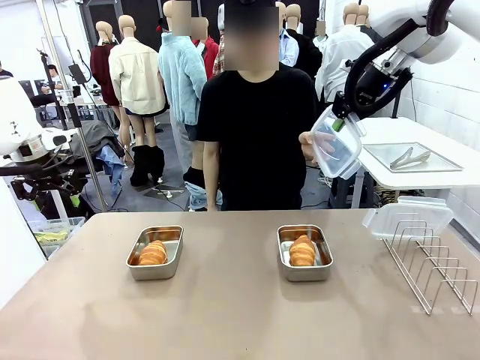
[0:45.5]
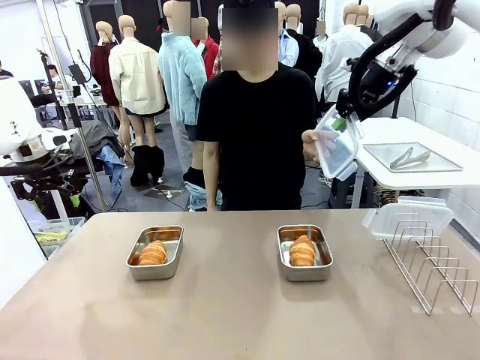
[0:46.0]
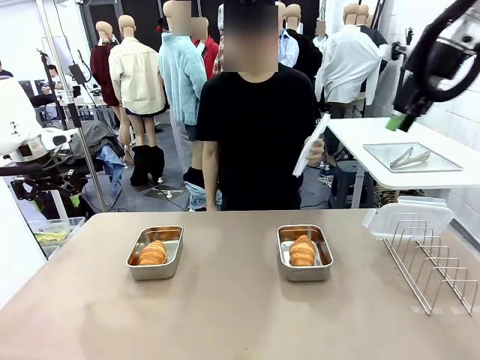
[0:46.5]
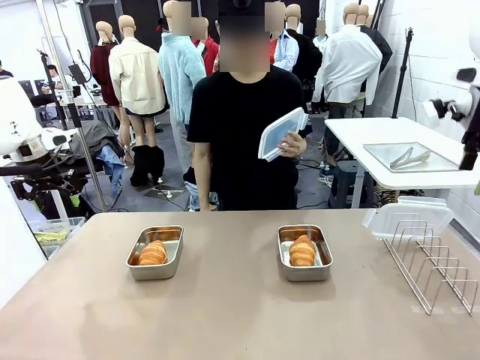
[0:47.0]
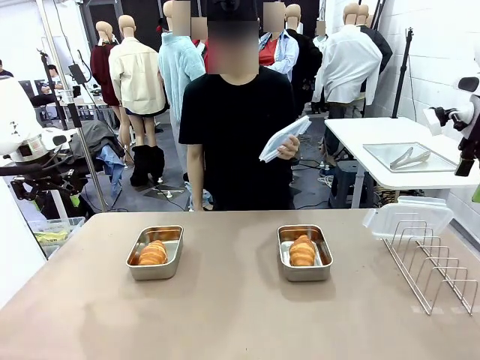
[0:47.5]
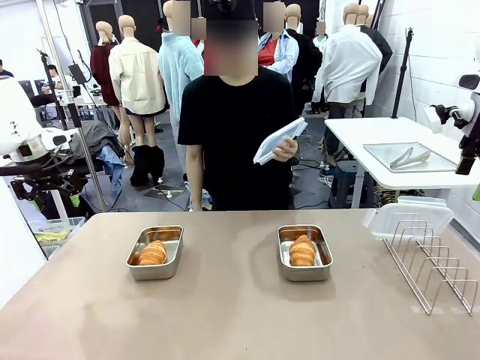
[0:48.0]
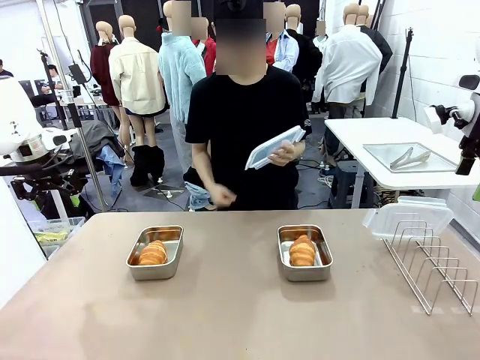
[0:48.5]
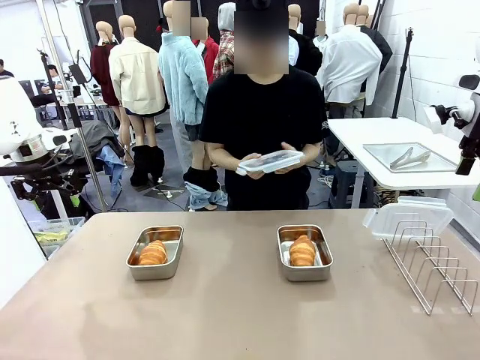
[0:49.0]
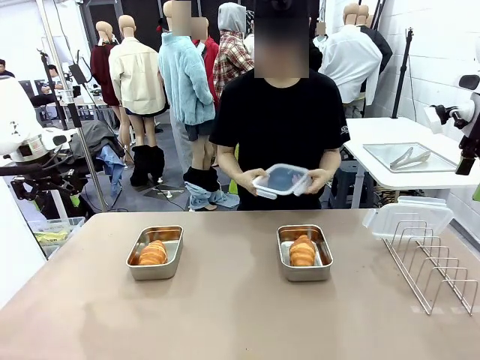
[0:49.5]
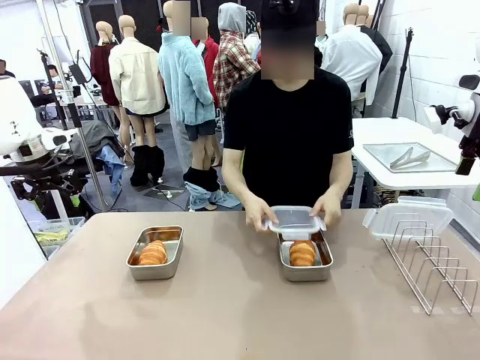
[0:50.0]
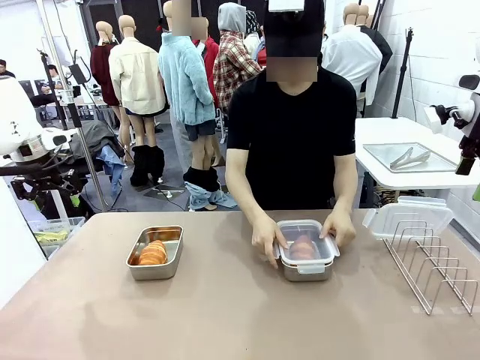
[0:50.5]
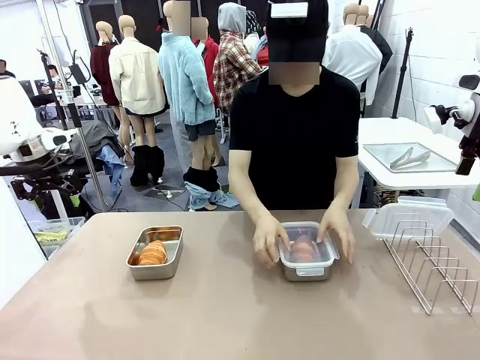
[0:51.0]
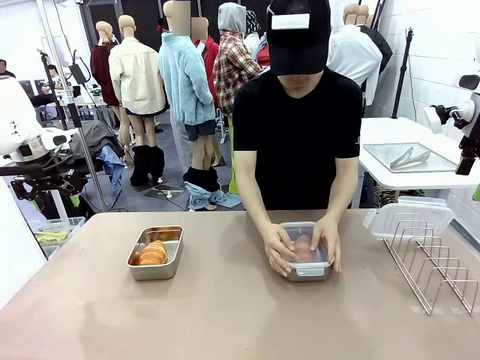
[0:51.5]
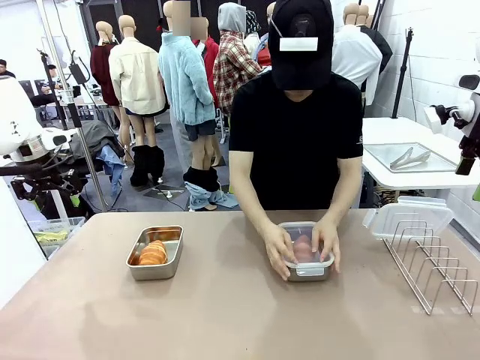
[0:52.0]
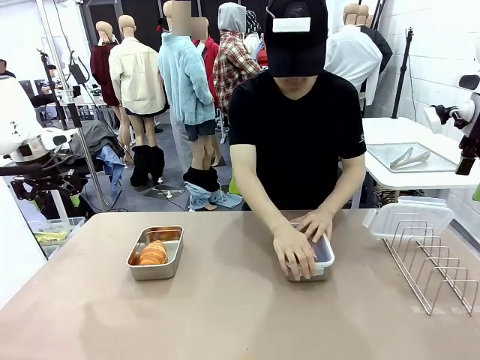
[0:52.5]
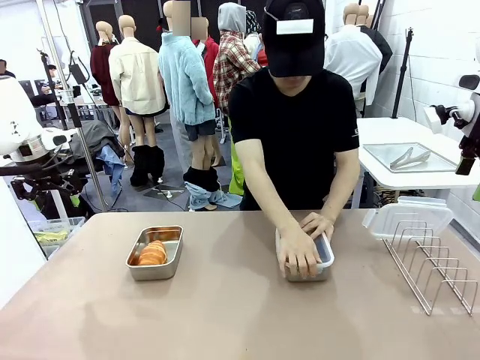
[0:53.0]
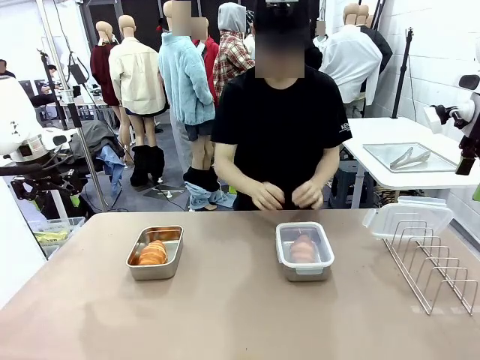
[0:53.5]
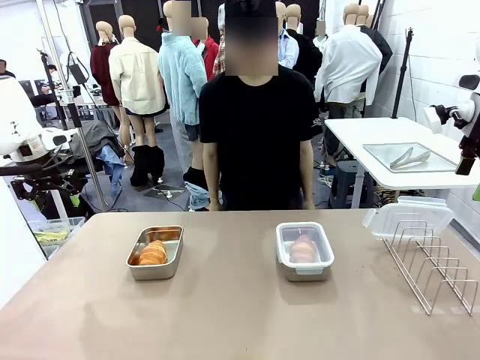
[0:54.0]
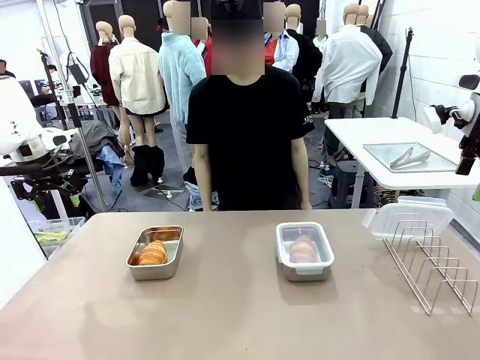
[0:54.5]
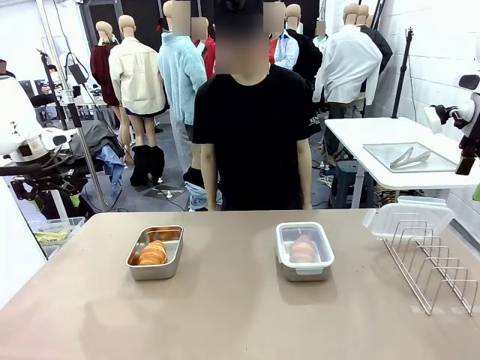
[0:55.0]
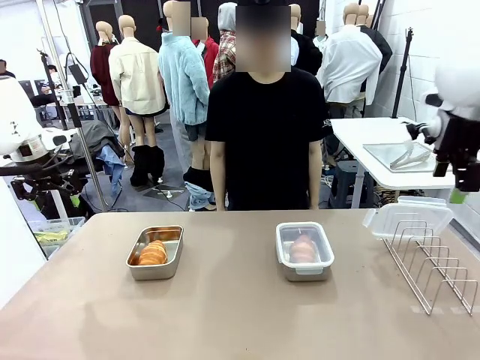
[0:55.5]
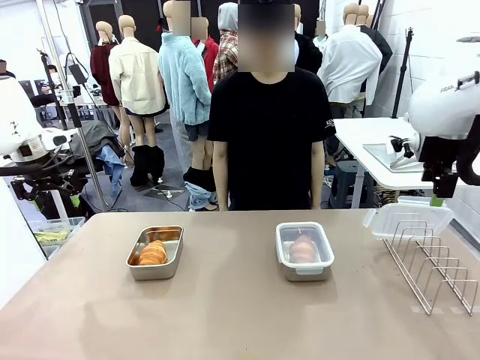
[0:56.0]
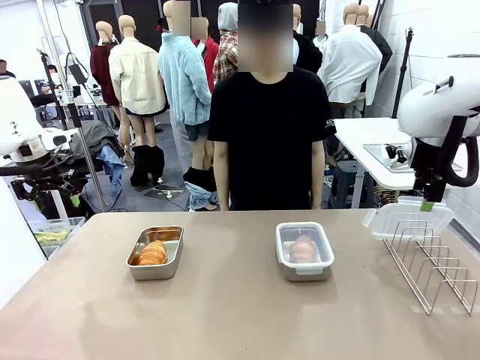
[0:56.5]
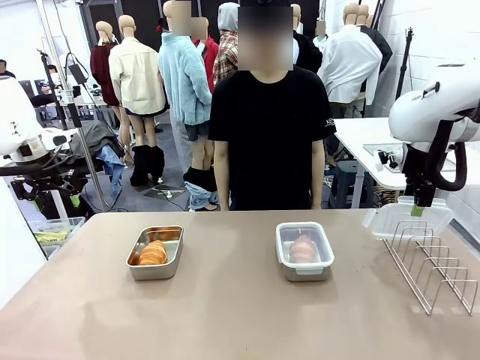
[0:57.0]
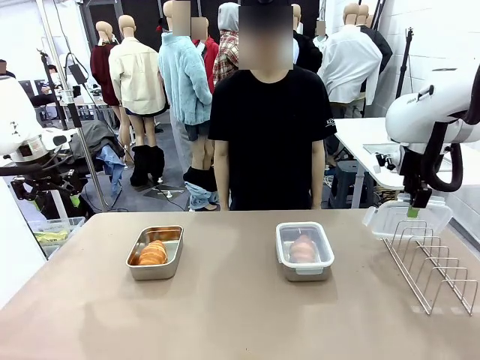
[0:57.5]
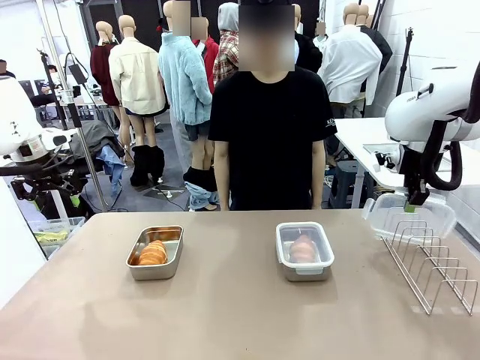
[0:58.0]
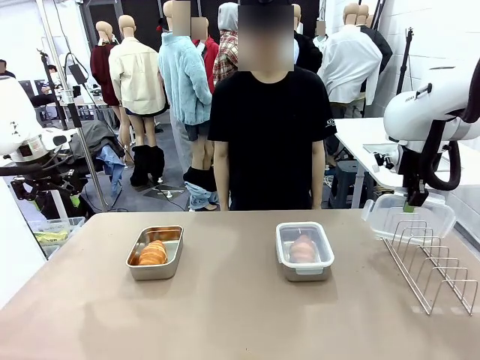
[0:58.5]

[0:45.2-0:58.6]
Task: Place the bread in airtight containers.
Robot: Pick up one Airtight Container lid and hand it to the human.
Person: Close Airtight Container with a handed Airtight Container lid.

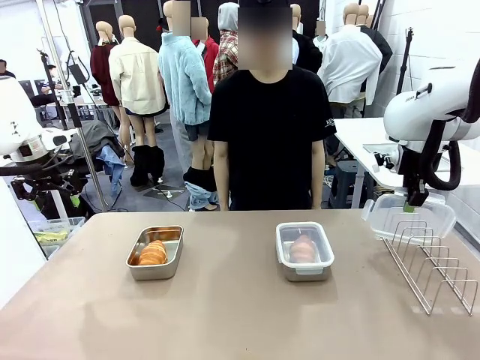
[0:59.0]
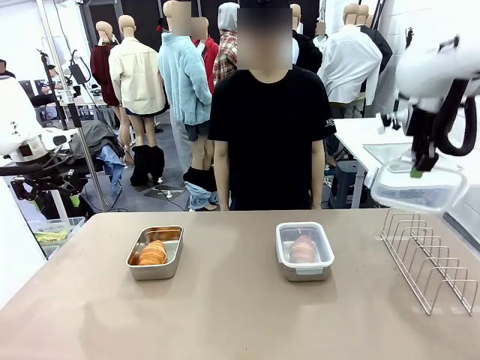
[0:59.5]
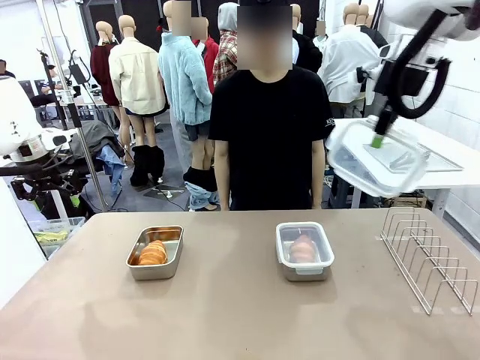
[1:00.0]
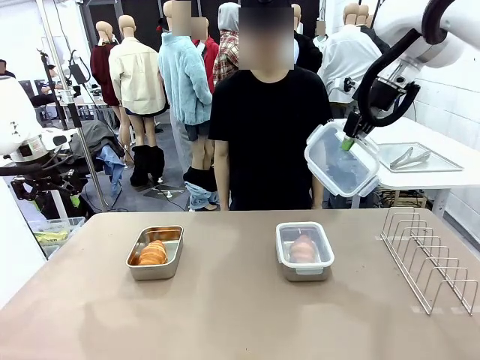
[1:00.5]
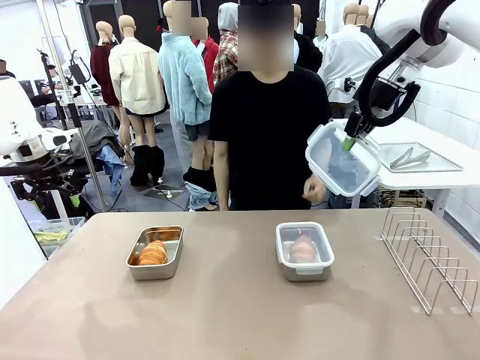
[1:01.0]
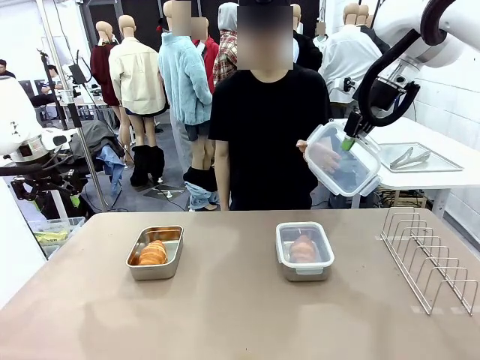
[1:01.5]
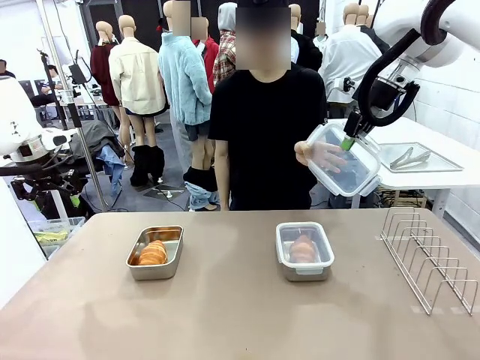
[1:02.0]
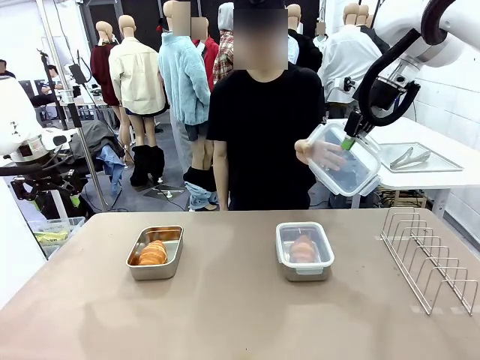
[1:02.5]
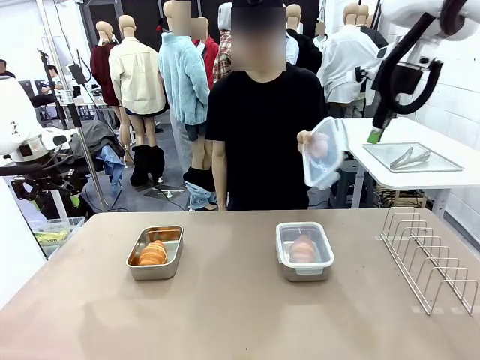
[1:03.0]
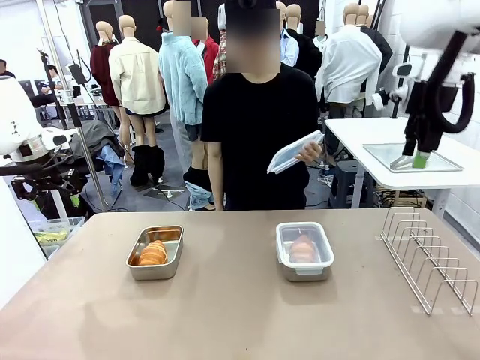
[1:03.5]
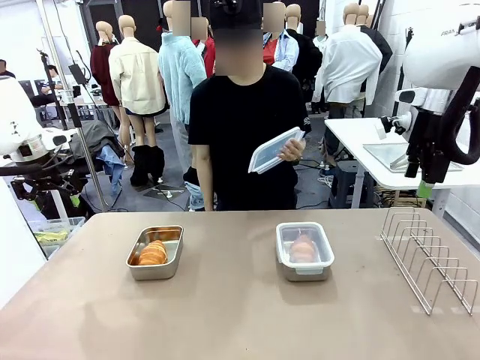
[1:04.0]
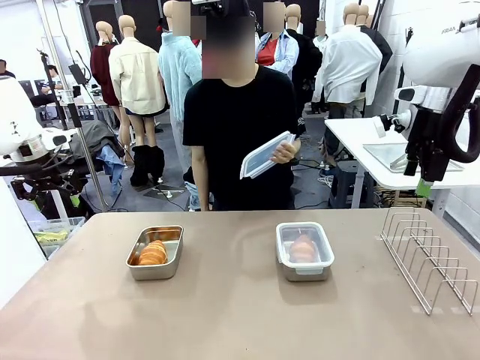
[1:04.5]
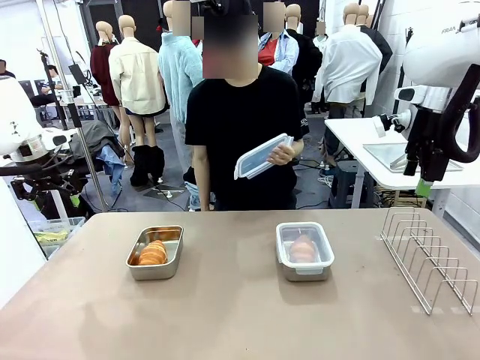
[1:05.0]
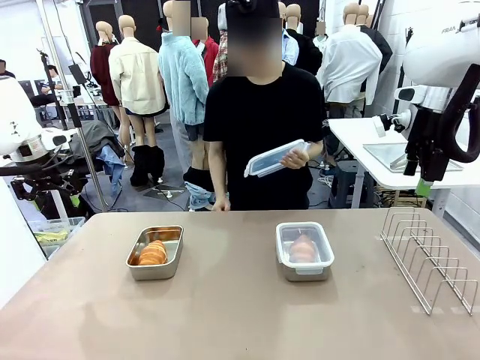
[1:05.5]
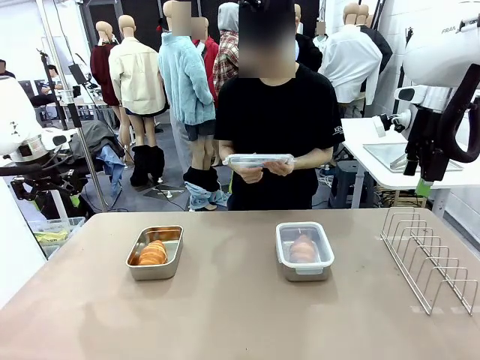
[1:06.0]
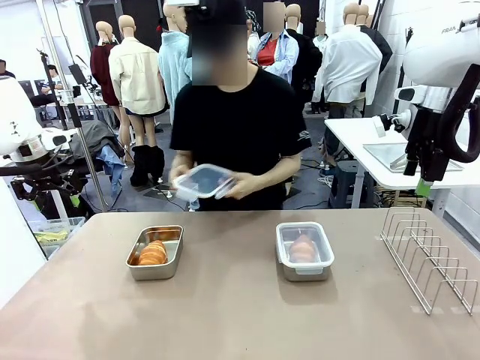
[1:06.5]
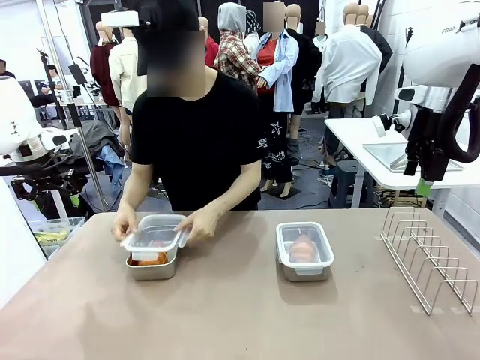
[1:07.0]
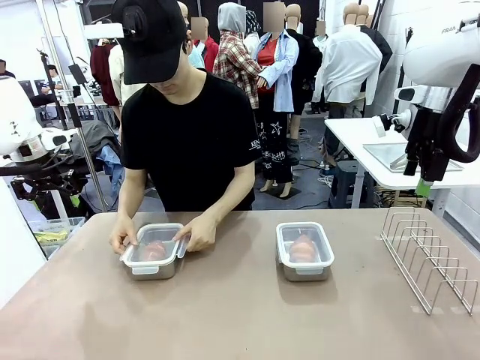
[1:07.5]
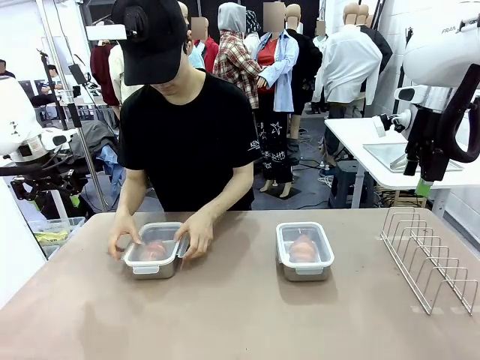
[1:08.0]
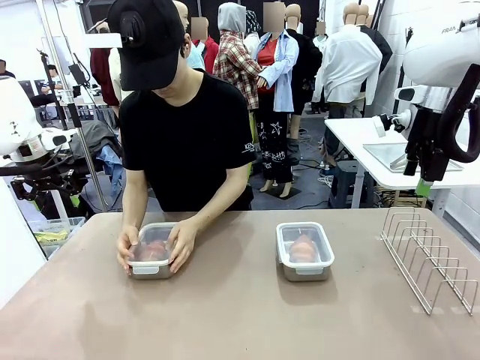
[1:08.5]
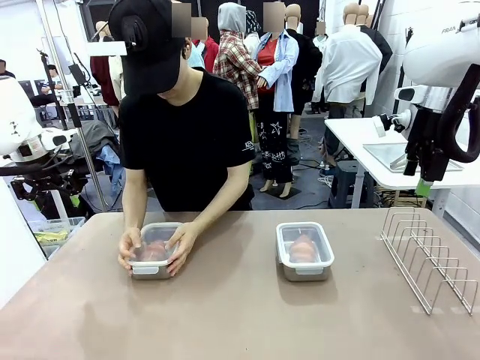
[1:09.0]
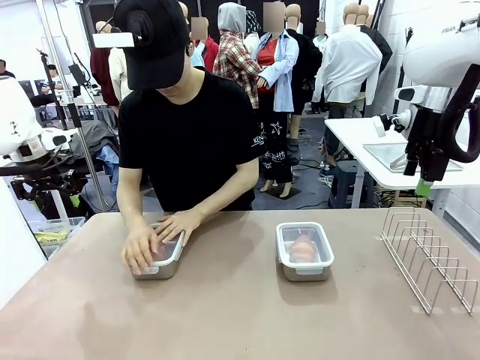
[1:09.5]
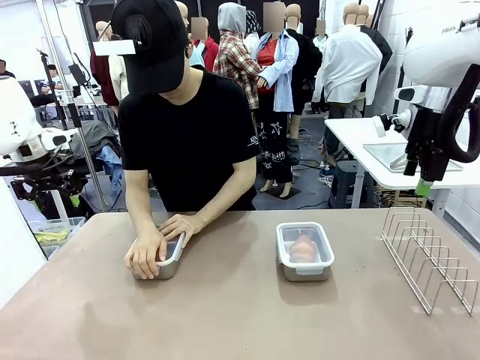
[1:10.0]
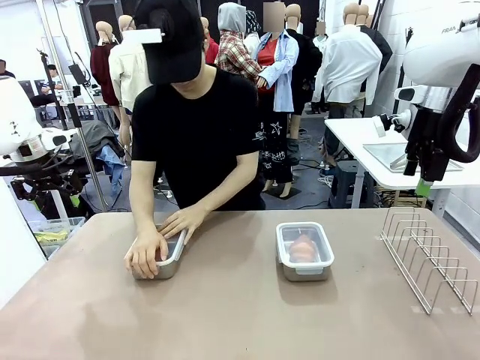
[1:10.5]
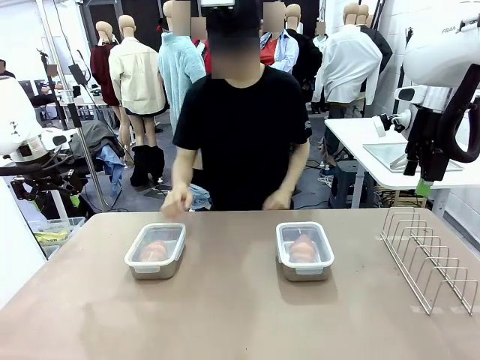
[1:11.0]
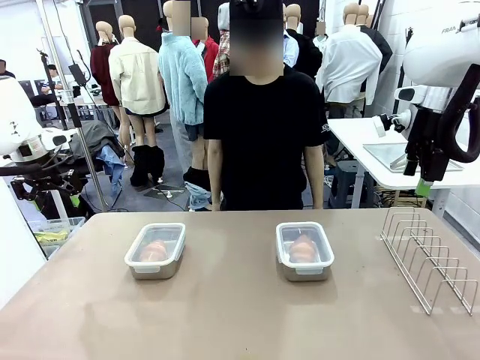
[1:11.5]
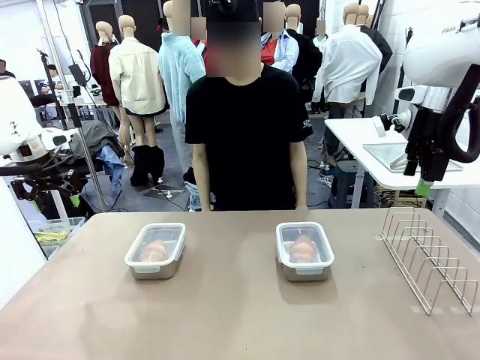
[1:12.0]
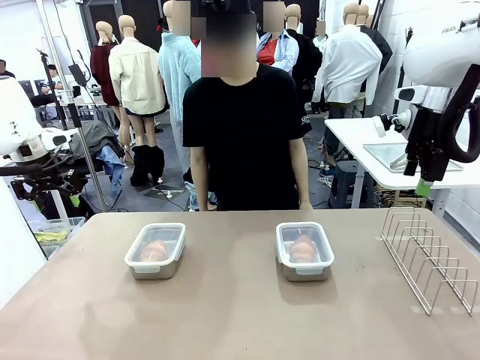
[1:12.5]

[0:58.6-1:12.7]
Robot: Release when the human grabs the Airtight Container lid.
Person: Grip Airtight Container lid that robot is handing. Close Airtight Container with a handed Airtight Container lid.
